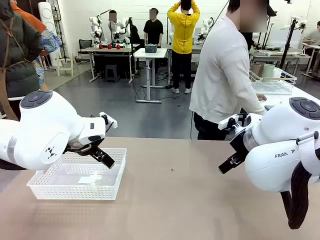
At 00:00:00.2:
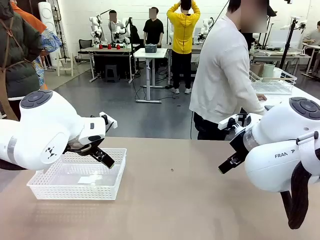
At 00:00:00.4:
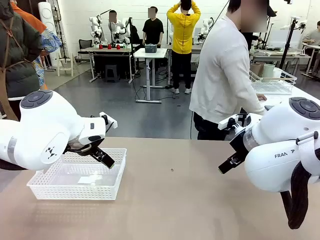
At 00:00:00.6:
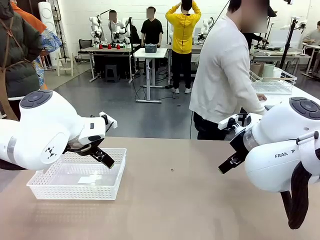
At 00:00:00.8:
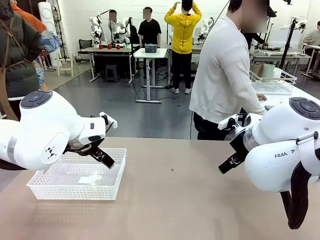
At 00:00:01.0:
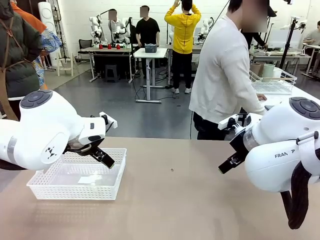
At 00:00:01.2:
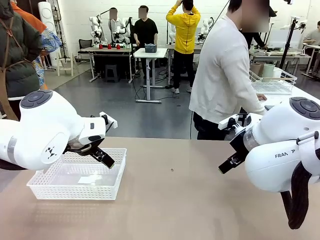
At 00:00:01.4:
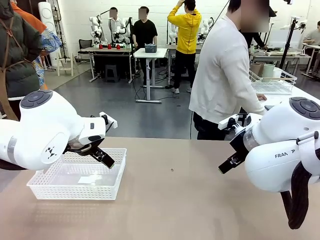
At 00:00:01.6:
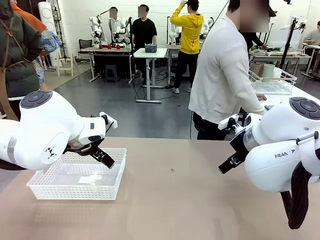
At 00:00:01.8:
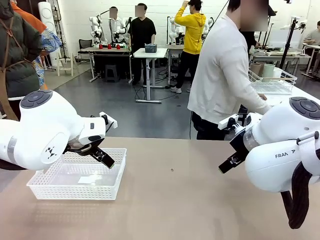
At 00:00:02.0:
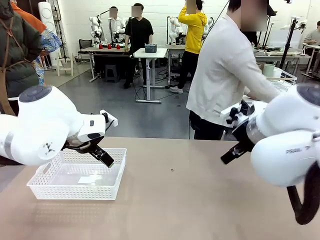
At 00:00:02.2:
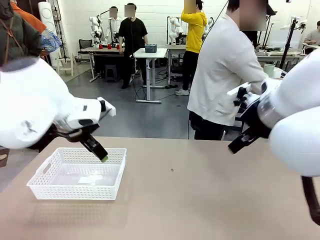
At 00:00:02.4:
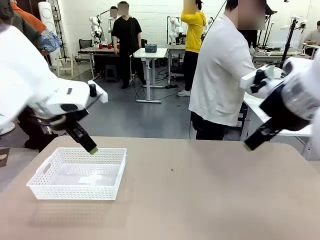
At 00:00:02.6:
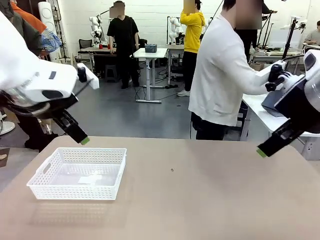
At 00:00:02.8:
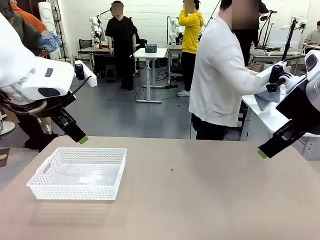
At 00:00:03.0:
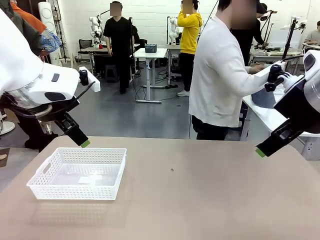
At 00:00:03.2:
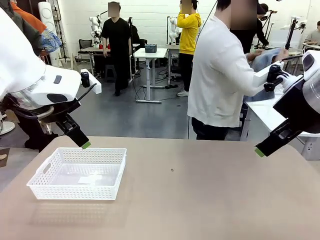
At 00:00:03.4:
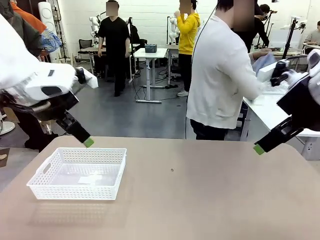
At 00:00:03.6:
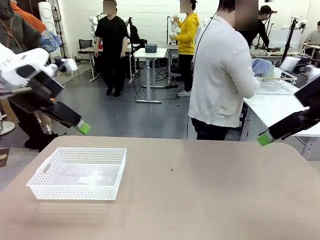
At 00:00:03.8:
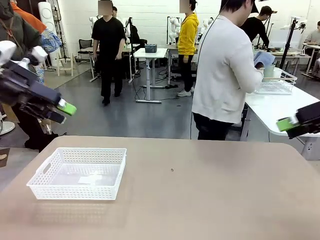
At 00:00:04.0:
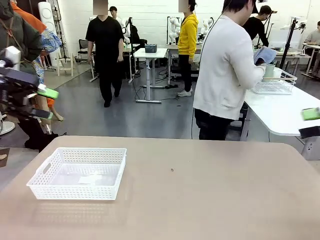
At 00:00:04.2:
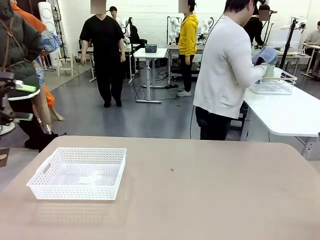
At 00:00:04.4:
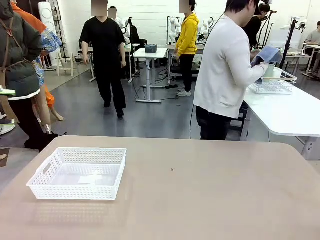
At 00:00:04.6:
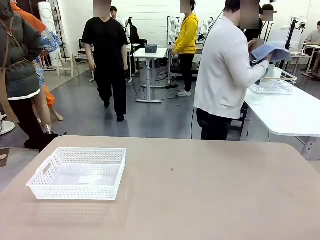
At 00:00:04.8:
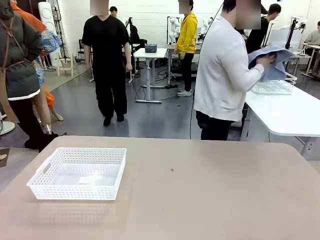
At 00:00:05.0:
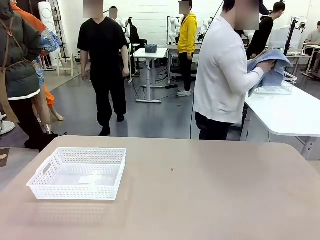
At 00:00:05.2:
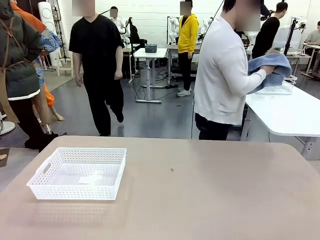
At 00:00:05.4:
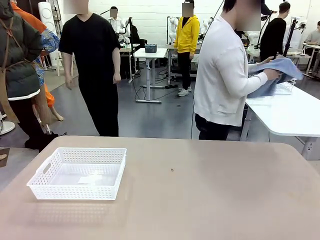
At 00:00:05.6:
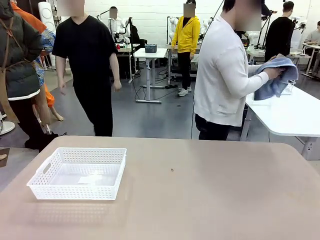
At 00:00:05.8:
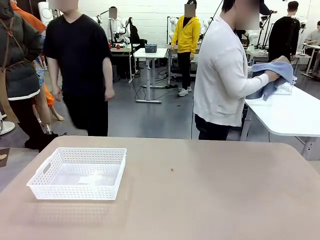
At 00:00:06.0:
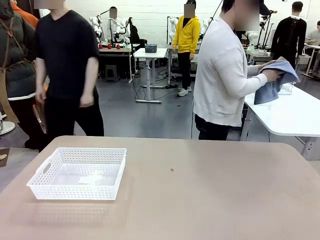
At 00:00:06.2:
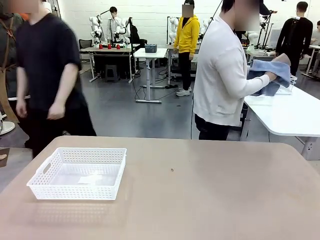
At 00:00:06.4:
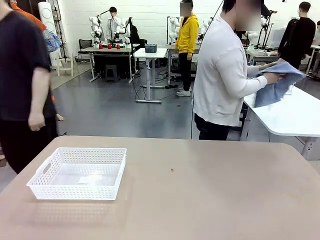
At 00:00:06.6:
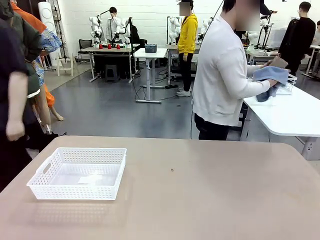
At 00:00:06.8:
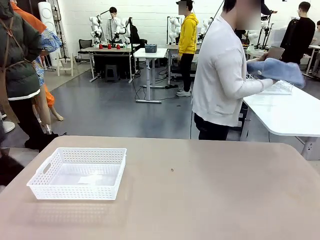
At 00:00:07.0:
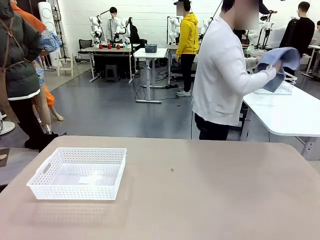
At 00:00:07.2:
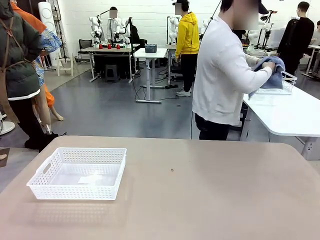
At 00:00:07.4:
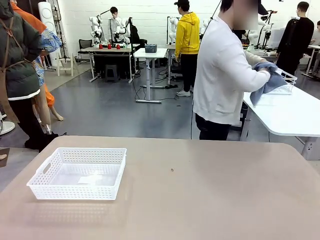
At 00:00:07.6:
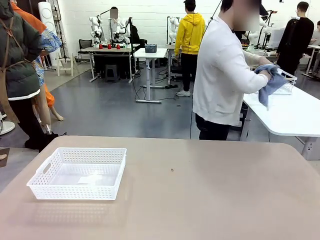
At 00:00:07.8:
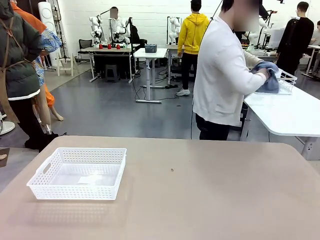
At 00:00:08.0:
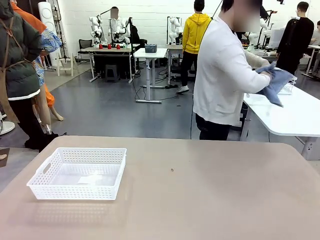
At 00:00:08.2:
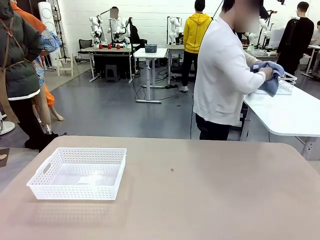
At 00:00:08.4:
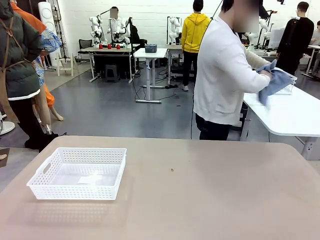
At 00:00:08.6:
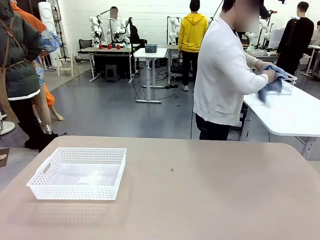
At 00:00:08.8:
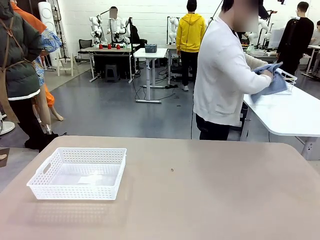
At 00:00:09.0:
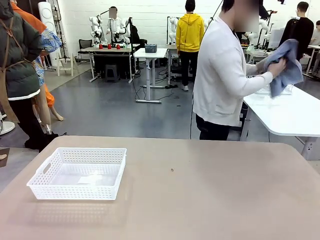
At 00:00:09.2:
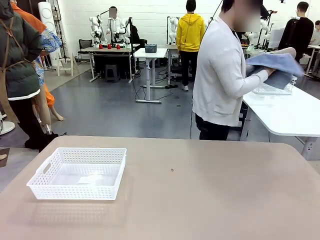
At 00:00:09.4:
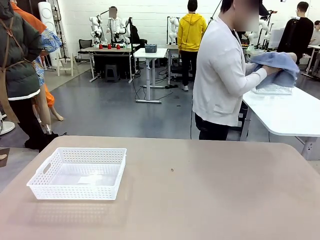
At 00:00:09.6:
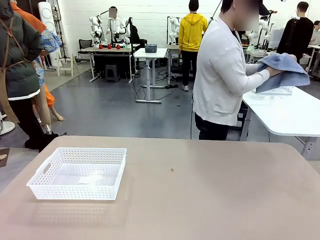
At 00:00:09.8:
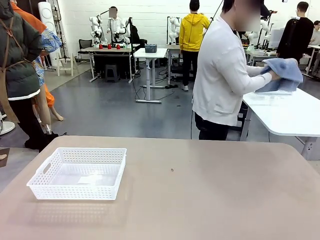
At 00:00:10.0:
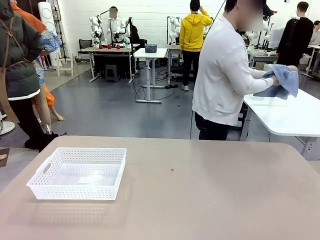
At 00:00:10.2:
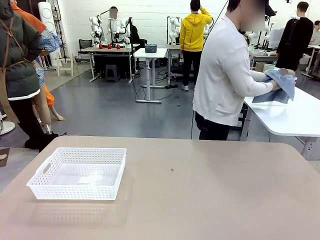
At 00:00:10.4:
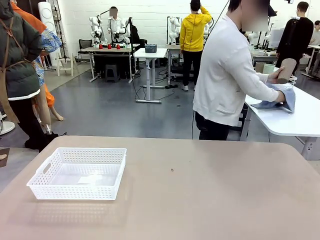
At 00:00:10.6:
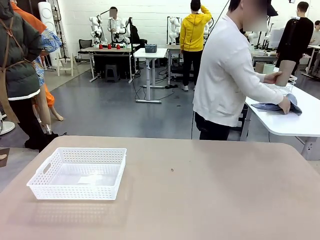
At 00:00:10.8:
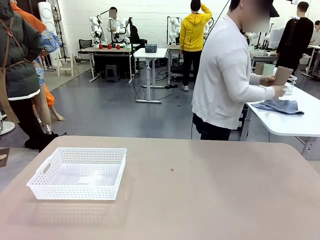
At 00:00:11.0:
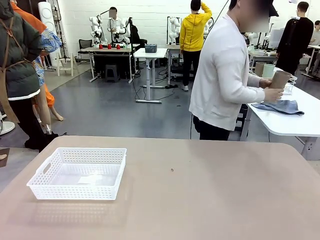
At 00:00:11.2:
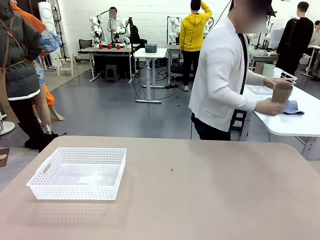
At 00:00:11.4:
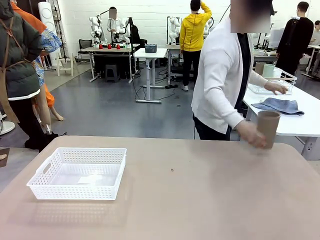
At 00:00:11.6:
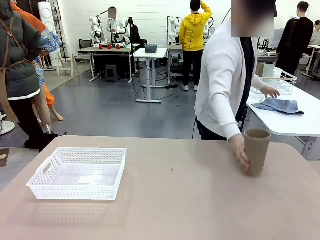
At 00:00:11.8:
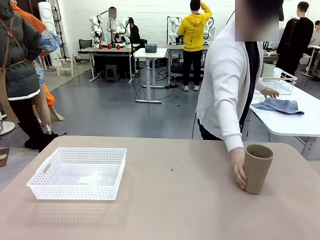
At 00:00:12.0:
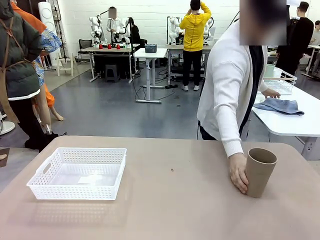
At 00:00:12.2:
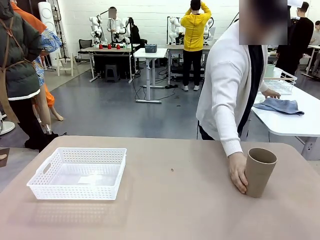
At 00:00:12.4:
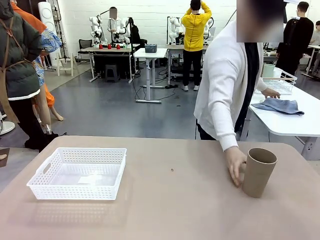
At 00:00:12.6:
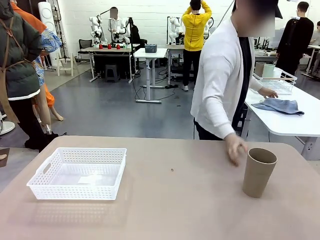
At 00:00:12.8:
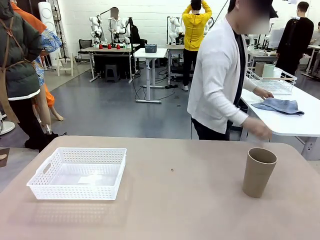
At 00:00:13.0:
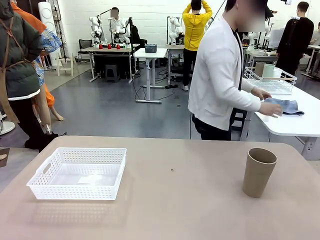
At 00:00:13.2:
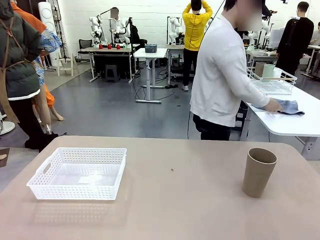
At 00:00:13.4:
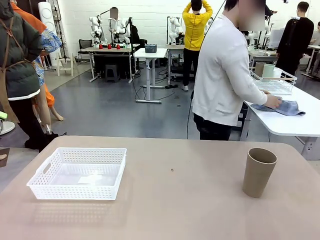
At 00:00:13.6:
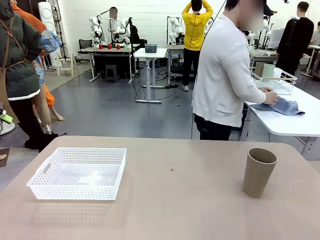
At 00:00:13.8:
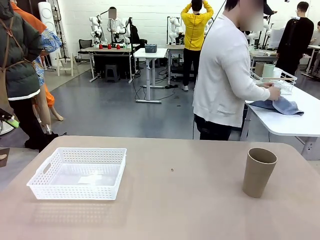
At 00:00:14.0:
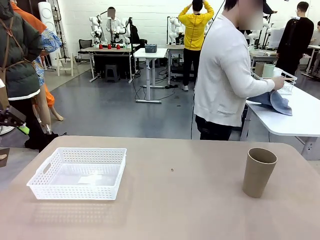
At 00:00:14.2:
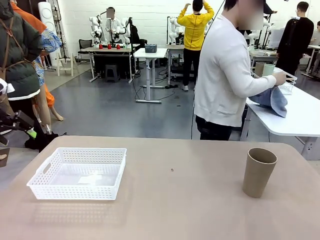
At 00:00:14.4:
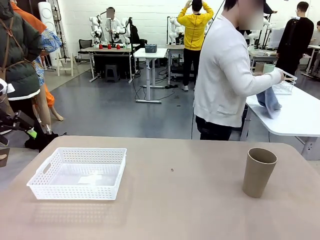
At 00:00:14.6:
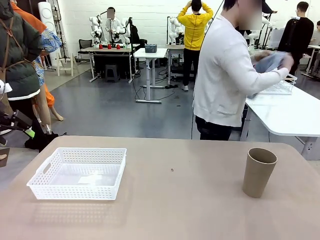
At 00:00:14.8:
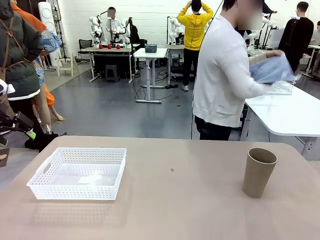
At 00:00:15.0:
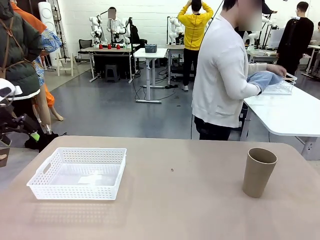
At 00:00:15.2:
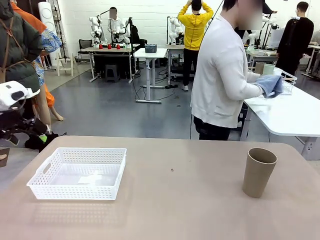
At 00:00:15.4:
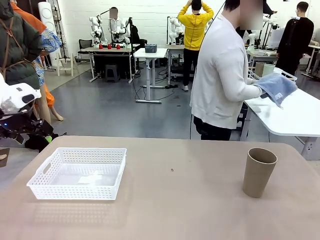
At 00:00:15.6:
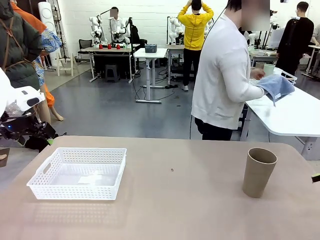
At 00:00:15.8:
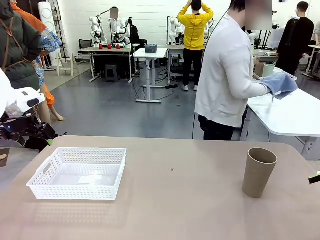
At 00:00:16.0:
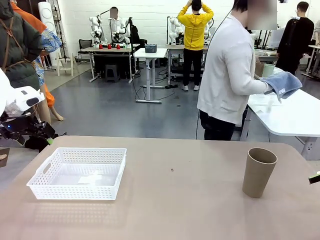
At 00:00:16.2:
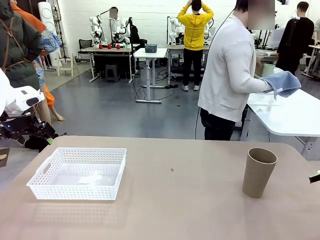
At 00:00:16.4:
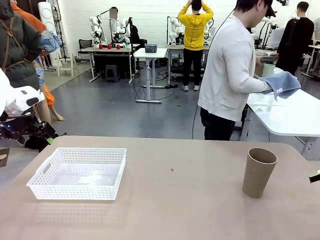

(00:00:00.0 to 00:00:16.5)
Task: Clean and organize the cups into the basket.
Robot: Pick up the Organizing basket and move it to the center of the table, then pick up the Reusable plastic cup from the right side of the table and place it inside the Organizing basket.
Person: Picks up a cup and a towel, cleans the cup with the towel, and places it on the left side of the robot table.
